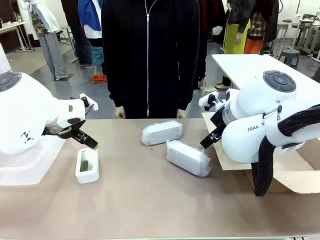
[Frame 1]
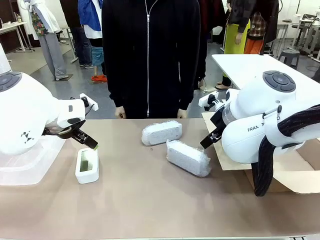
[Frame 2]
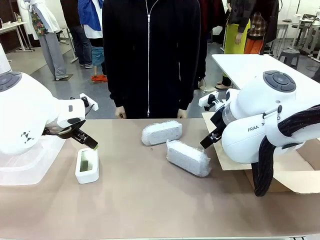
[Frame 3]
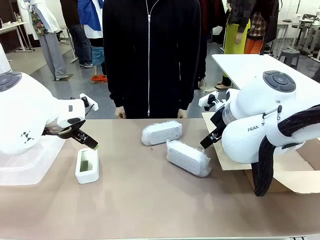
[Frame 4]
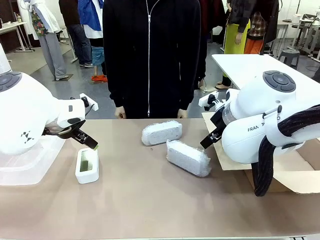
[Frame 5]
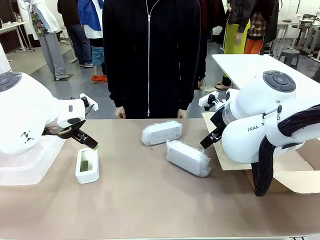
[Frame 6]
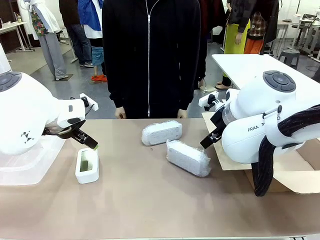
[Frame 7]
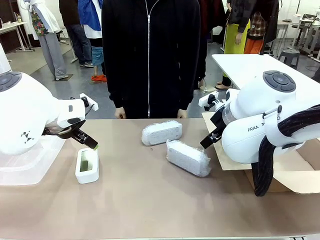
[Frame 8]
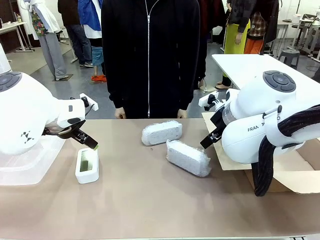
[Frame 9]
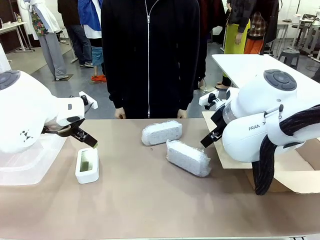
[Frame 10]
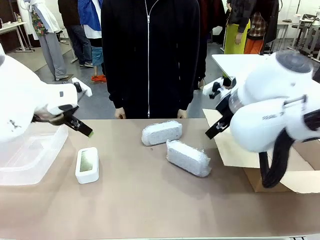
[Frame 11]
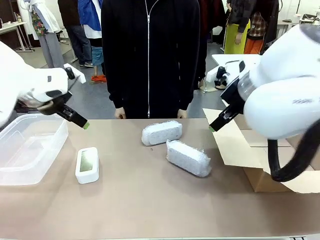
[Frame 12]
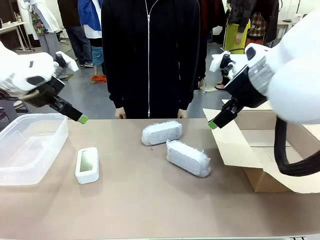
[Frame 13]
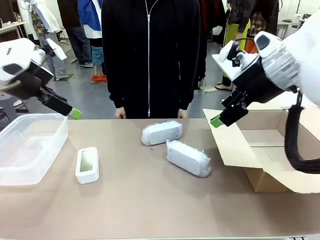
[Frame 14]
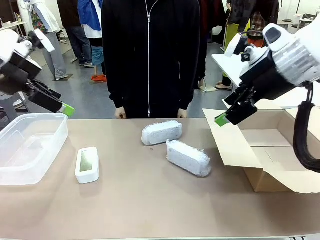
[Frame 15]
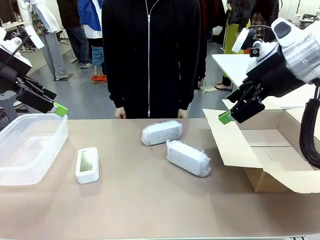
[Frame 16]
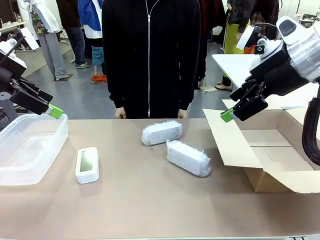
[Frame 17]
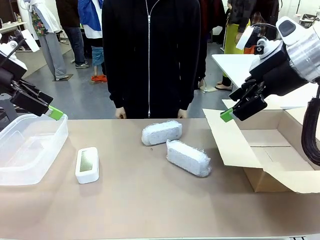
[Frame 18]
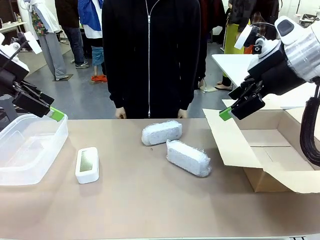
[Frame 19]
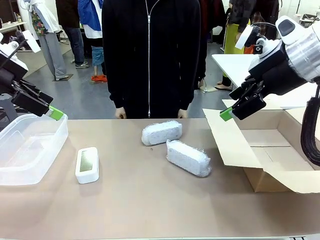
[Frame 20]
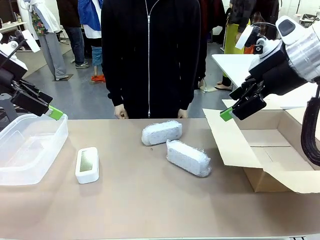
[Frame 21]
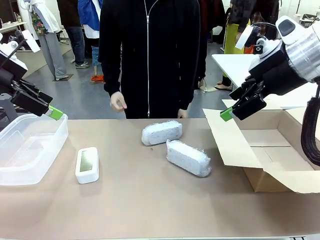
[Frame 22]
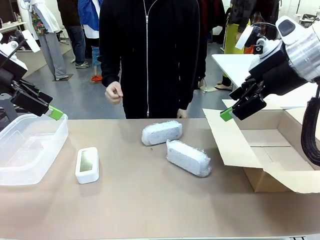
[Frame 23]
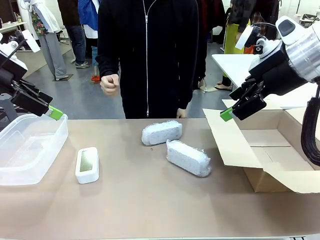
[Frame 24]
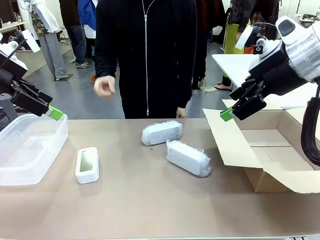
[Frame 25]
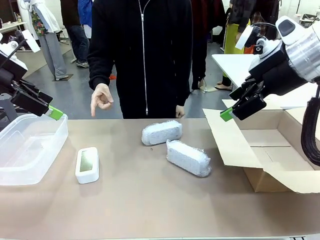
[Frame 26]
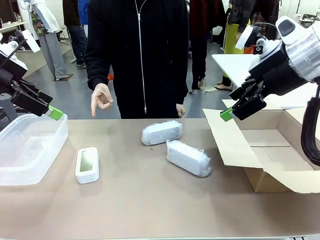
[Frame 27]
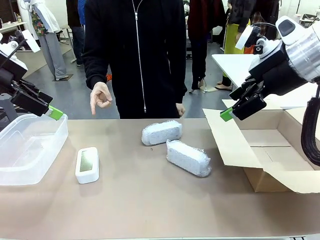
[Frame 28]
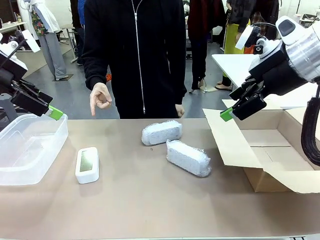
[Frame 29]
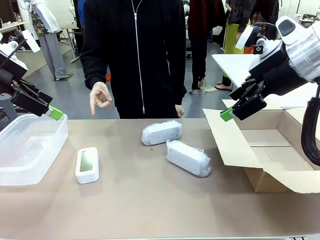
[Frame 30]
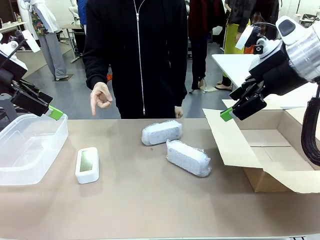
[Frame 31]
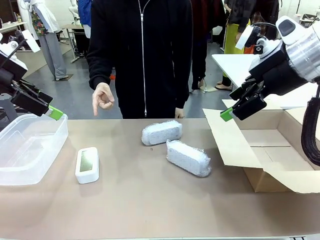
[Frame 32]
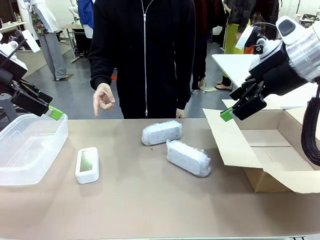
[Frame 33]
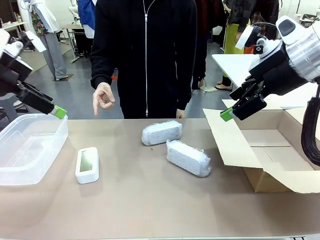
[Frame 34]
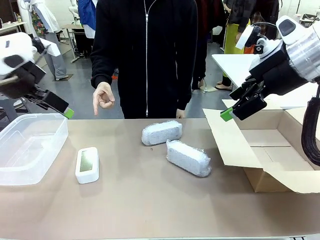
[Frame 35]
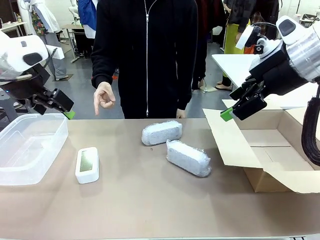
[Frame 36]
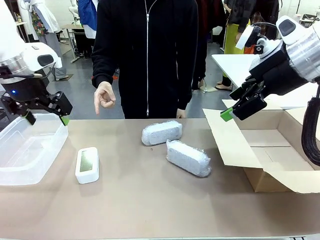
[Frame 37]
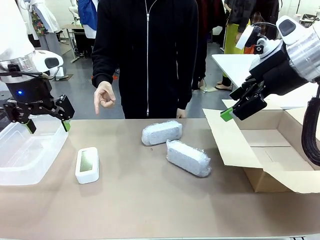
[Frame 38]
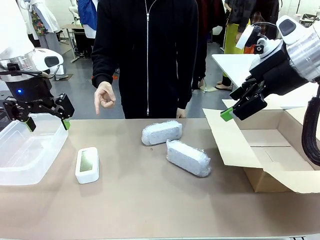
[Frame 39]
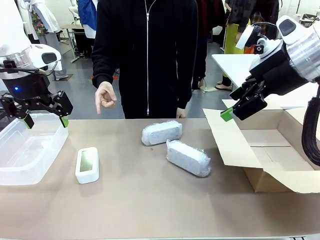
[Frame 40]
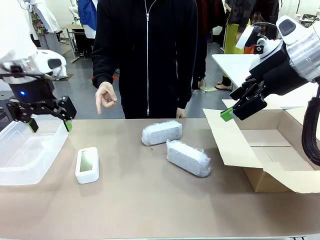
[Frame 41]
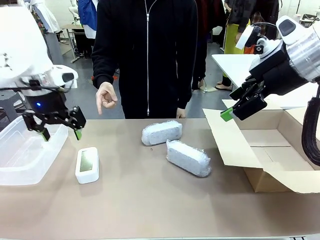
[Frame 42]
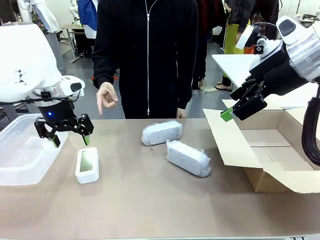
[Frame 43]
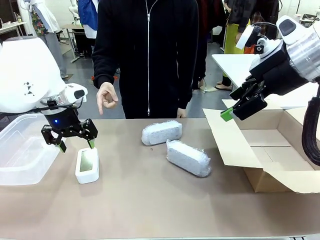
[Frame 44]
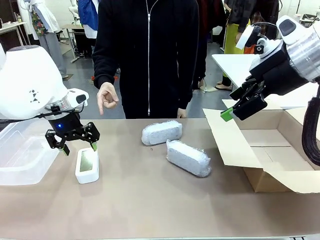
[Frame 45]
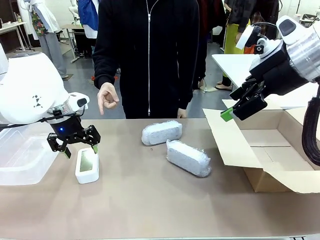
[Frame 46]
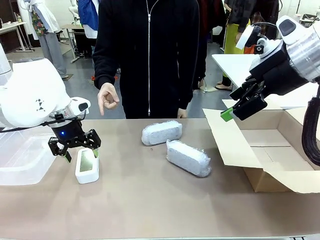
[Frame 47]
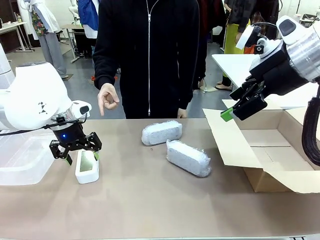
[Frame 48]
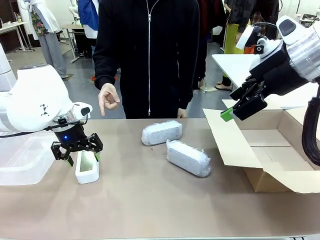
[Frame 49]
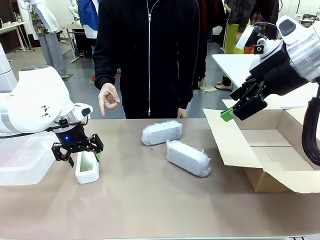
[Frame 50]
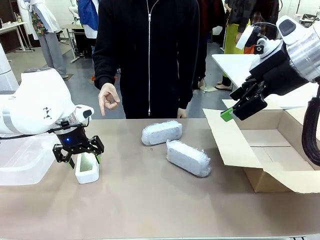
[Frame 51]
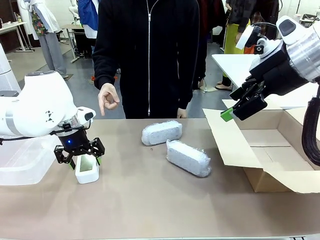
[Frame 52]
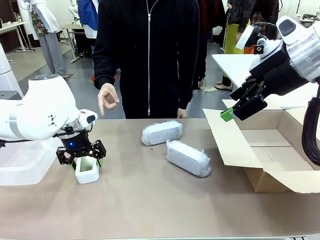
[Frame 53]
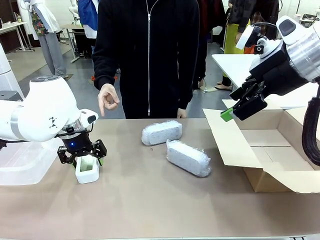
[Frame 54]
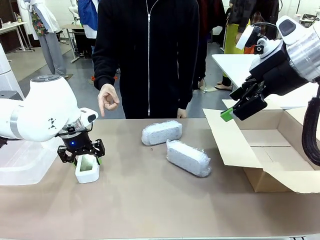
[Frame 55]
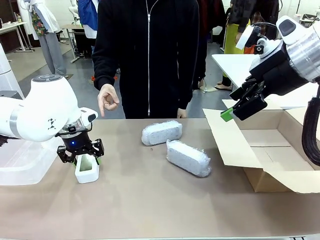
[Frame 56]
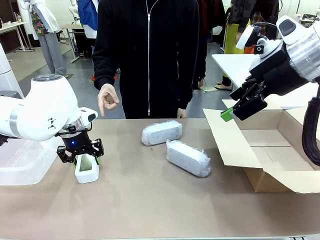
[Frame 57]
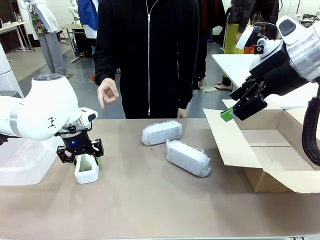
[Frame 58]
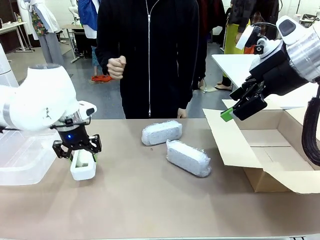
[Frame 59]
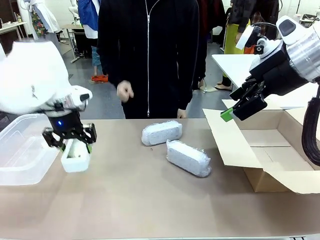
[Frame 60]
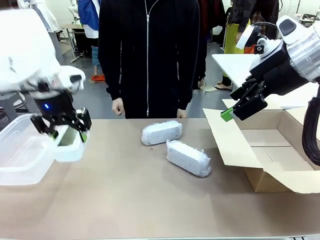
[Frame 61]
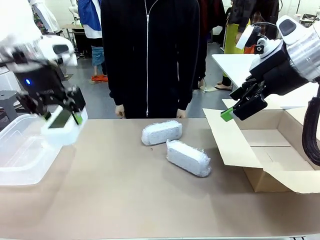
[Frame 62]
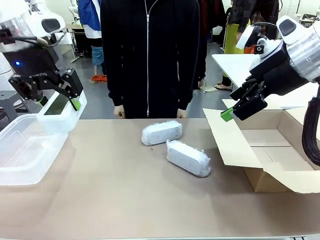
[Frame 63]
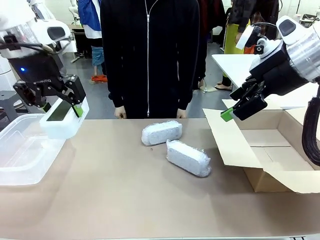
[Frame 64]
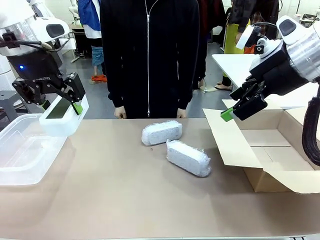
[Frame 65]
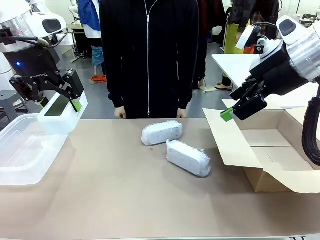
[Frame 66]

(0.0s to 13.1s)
Task: Separate and place wrapped and unwrapped clocks.
Robot: Pick up the Digital clock indicated by the person.

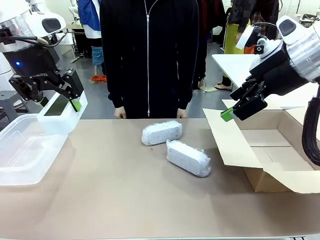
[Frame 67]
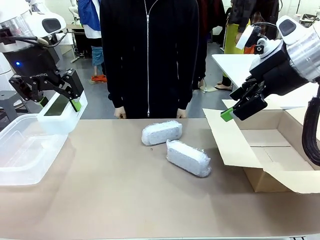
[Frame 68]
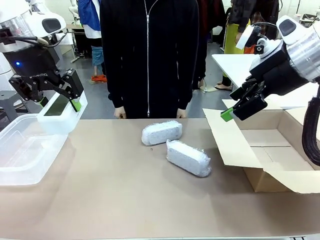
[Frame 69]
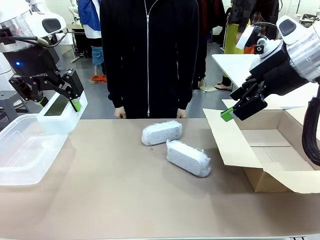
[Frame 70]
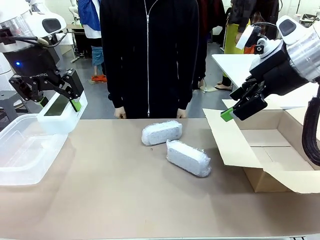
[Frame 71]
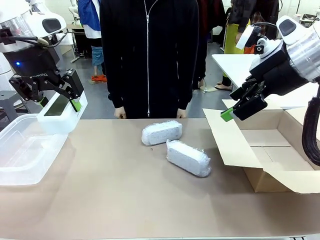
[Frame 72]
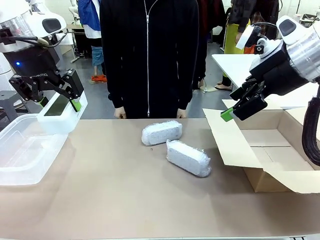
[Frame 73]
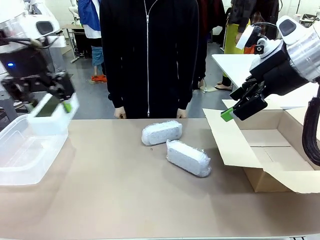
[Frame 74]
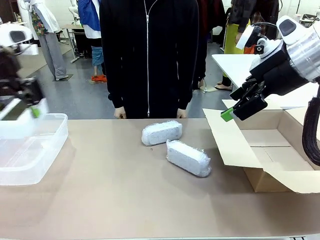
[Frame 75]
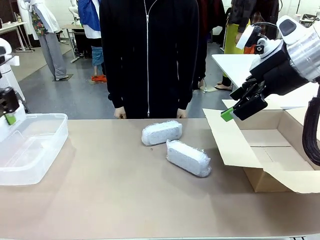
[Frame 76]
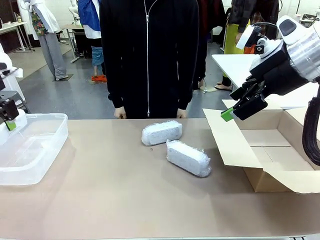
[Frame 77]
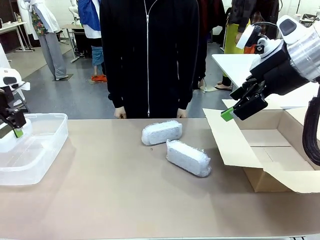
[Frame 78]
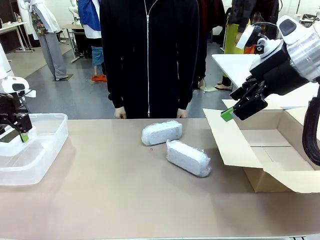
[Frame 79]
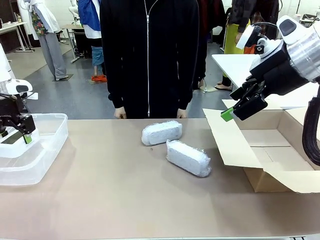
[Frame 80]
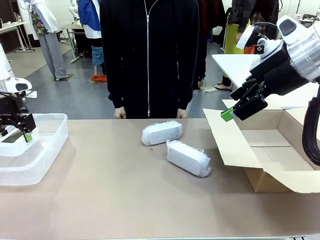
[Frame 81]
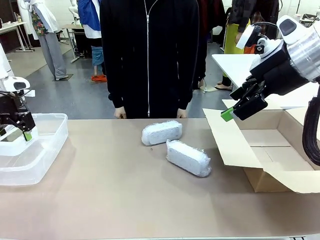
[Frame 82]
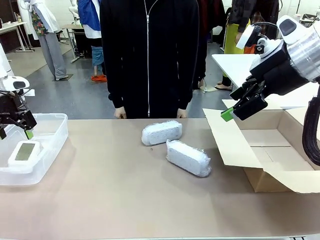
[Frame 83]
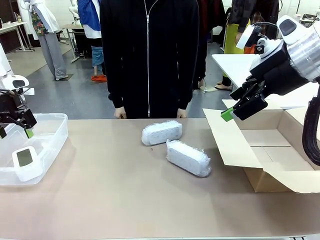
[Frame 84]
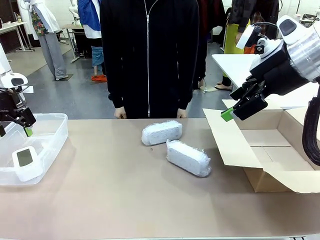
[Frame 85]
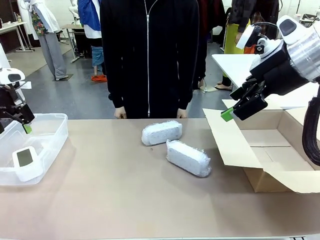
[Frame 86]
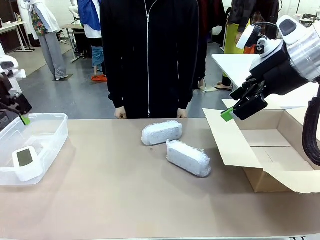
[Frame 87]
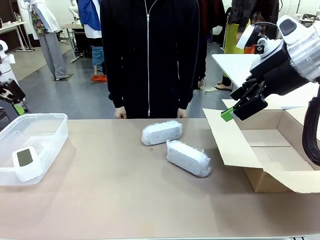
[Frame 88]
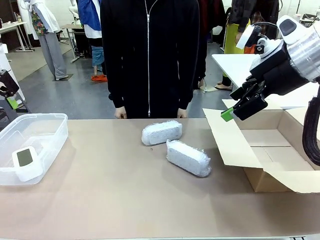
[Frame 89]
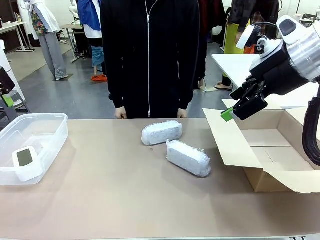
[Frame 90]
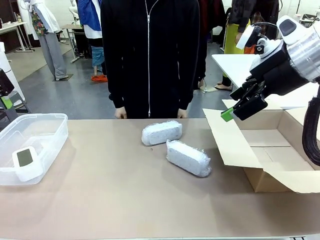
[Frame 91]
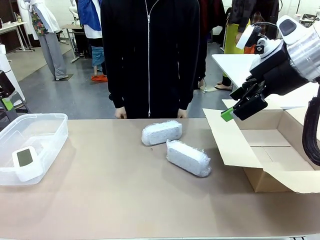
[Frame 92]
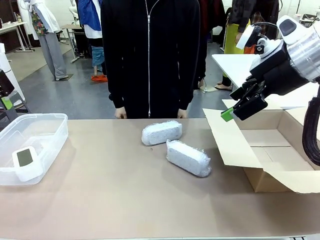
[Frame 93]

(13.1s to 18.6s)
Robot: If the picked Digital clock is wrapped, place it in the Package Box ; if not, place it in the Organizing box.
